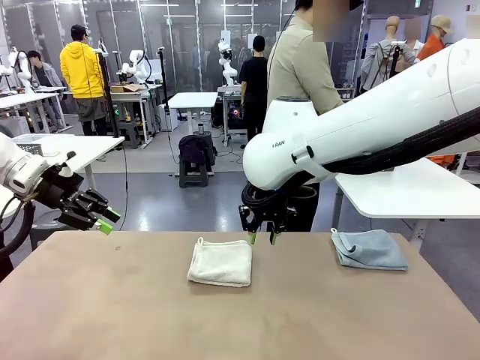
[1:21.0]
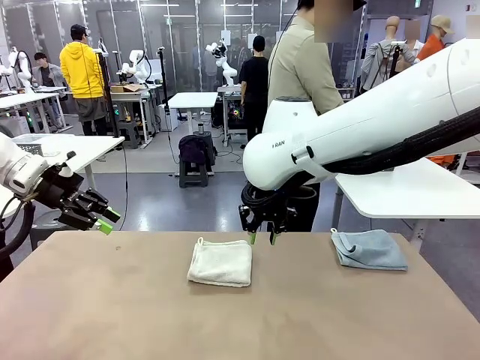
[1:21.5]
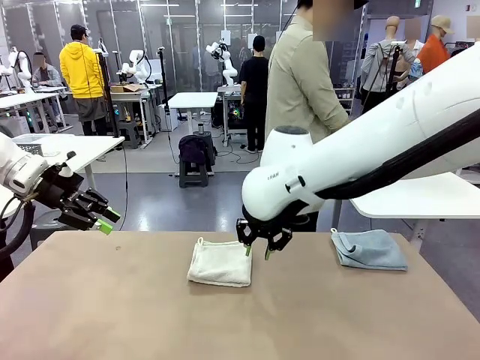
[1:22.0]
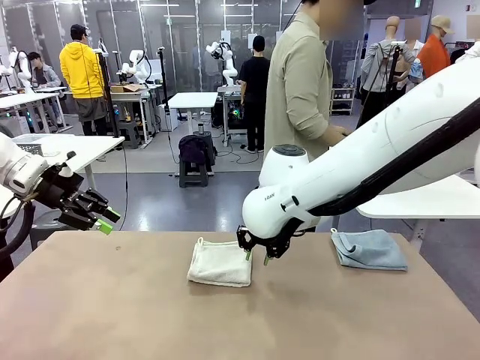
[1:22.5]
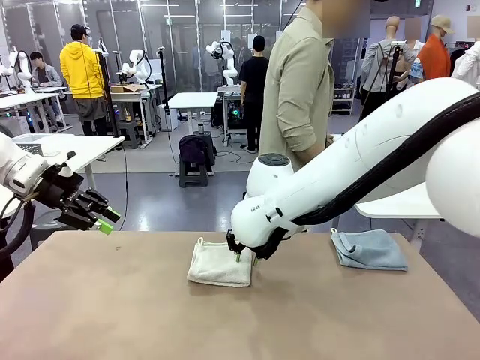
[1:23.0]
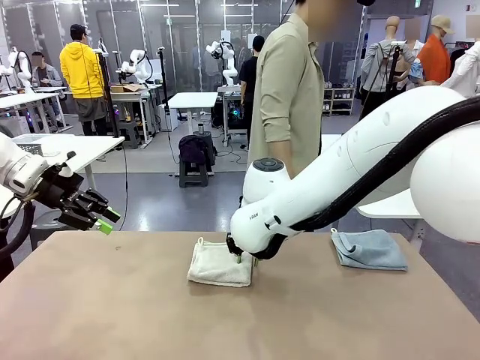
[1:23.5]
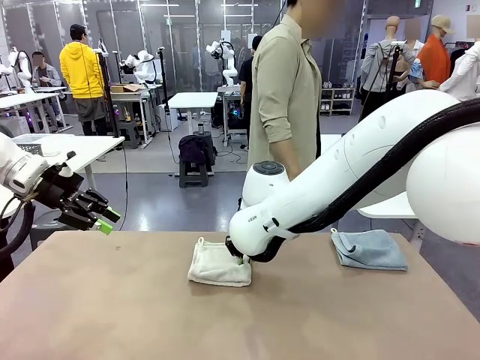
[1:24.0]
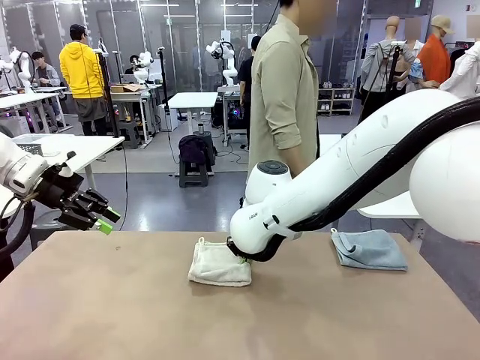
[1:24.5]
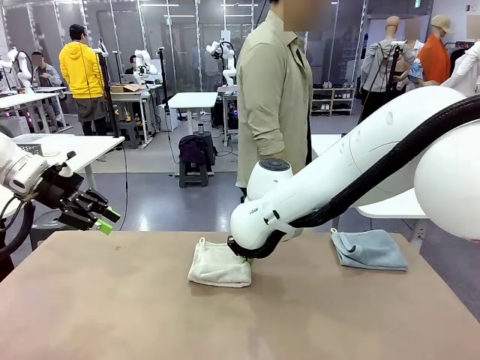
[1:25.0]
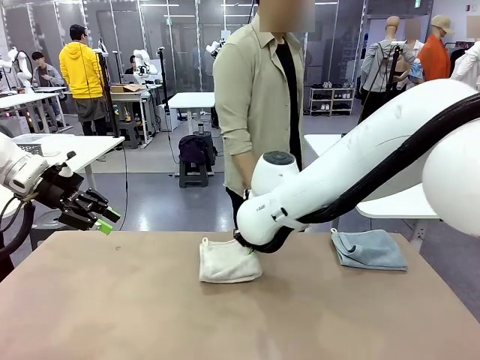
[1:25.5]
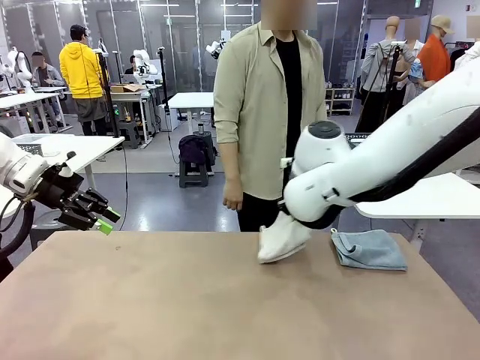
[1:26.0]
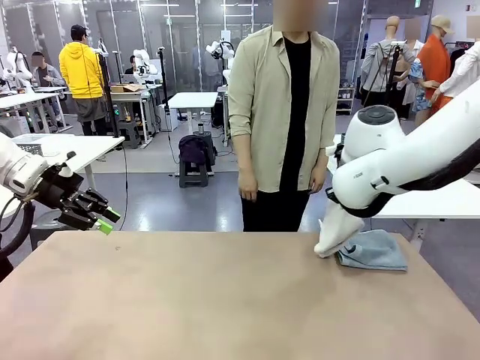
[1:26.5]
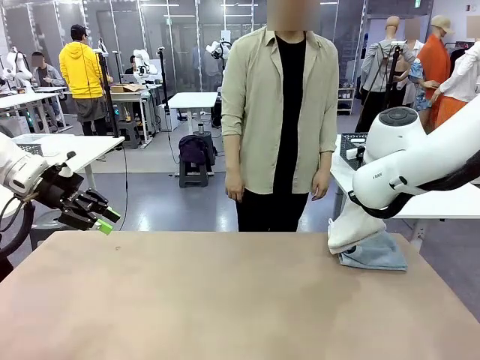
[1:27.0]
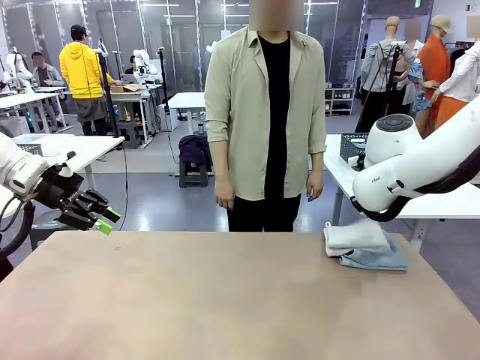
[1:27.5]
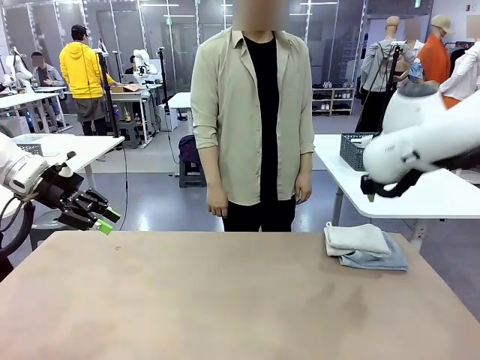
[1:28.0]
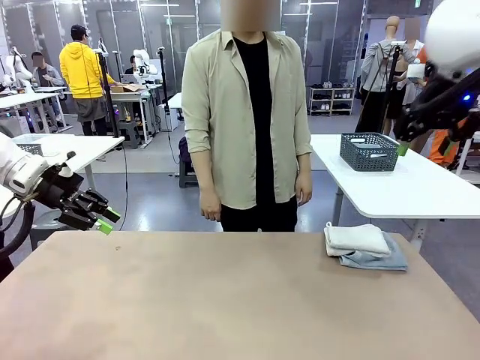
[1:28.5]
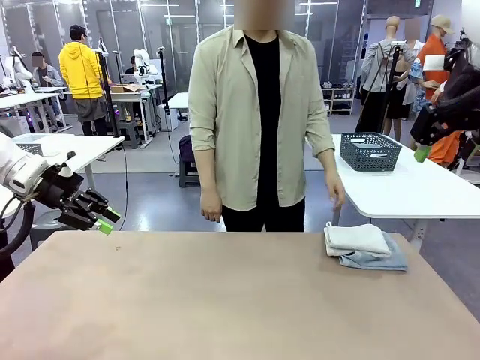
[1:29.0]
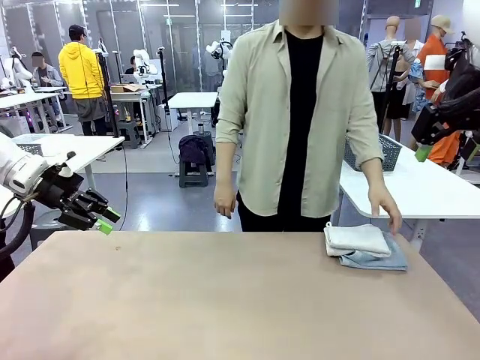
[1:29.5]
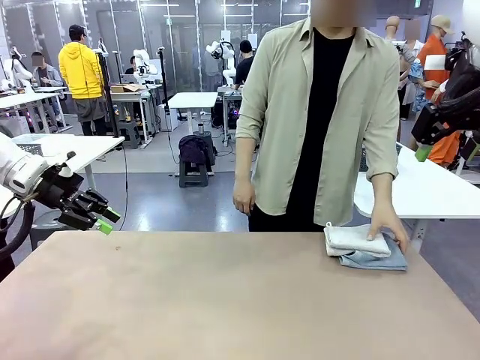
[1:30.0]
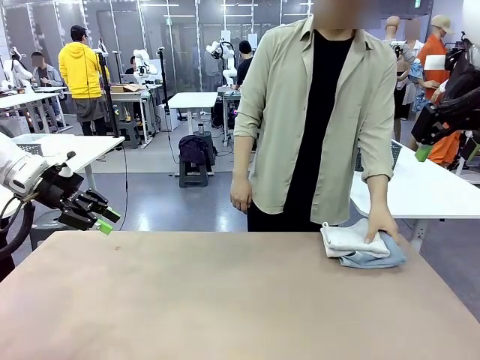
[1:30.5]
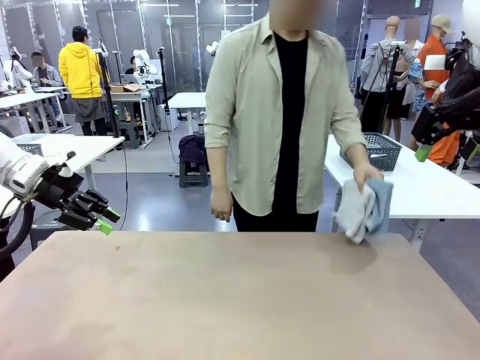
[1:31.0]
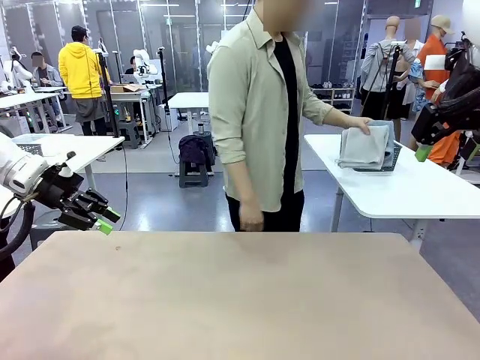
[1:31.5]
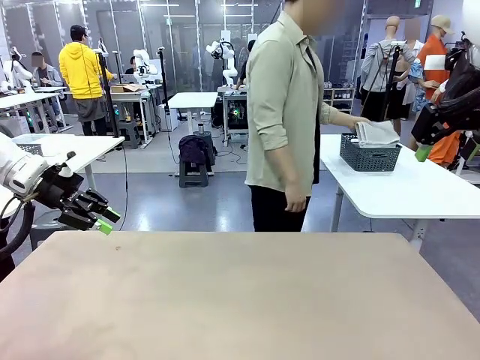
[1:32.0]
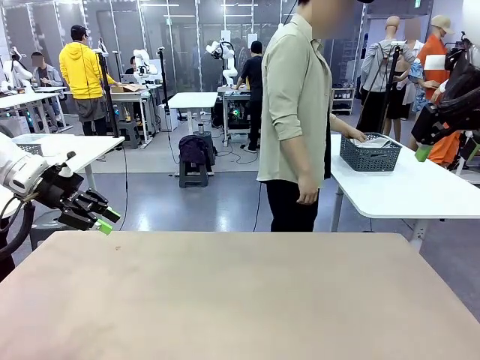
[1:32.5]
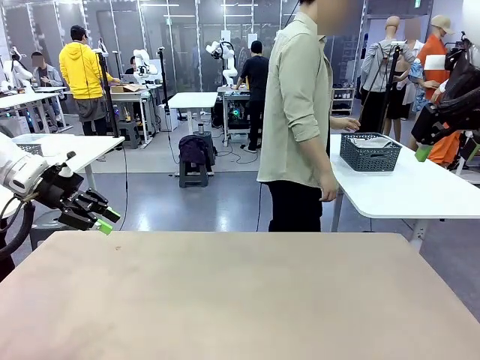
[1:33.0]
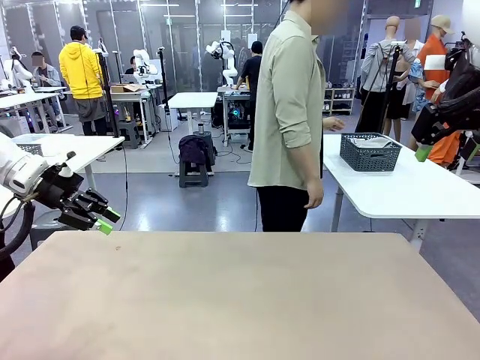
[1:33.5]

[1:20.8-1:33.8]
Task: Fold the towels and place them in the basket.
Robot: Stack the folded Towel with hook on the right side of the table.
Person: Pick up the stack of towels from the robot table and place it into the basket.

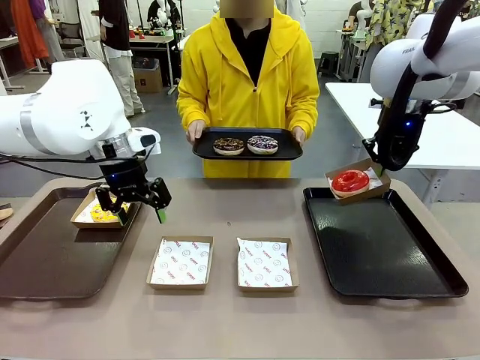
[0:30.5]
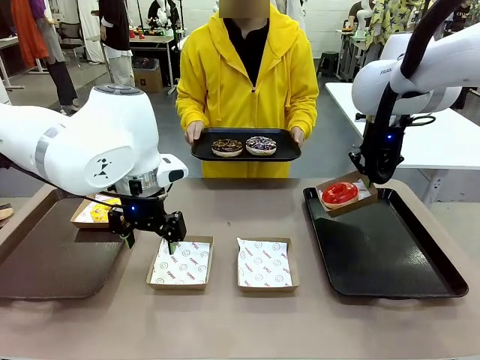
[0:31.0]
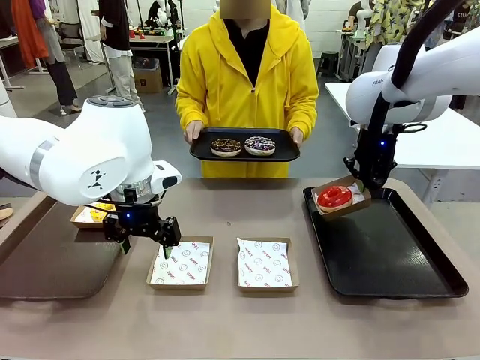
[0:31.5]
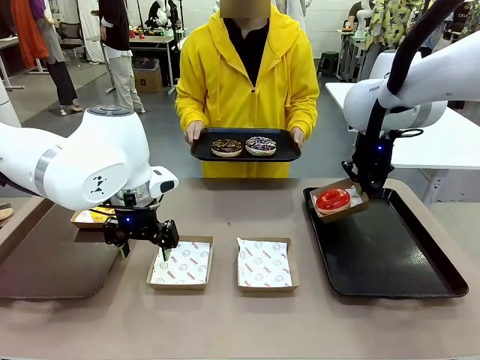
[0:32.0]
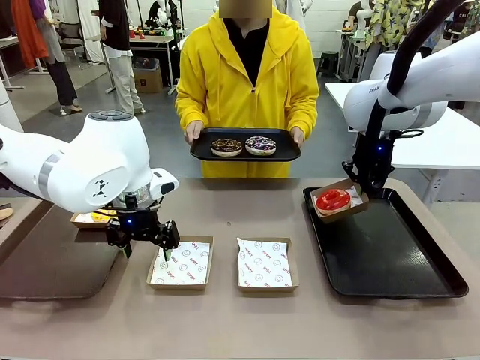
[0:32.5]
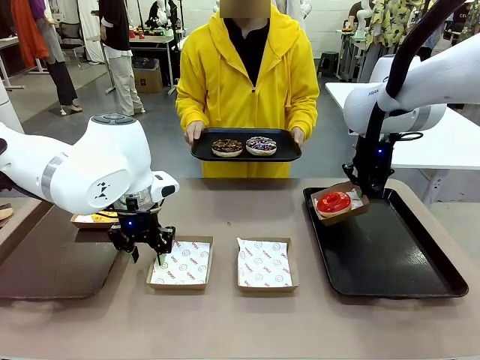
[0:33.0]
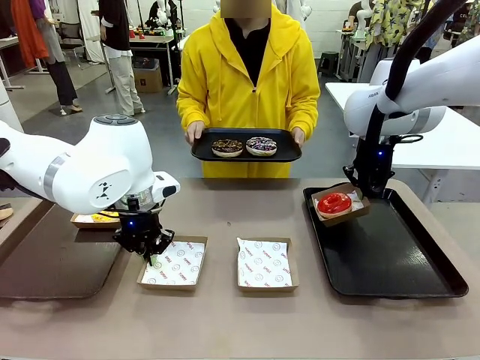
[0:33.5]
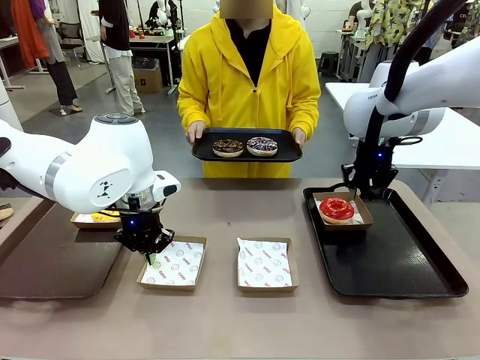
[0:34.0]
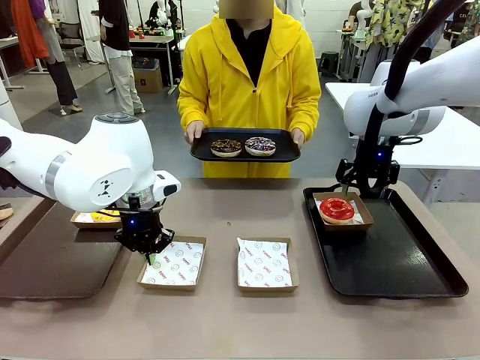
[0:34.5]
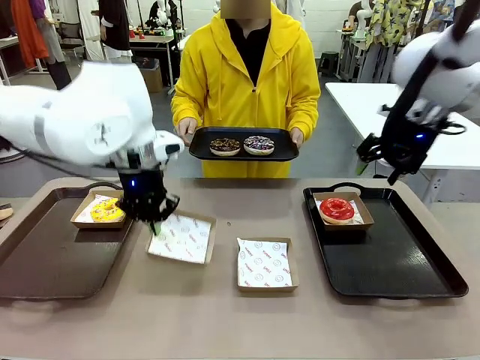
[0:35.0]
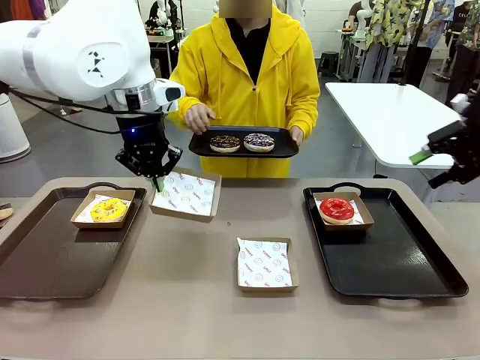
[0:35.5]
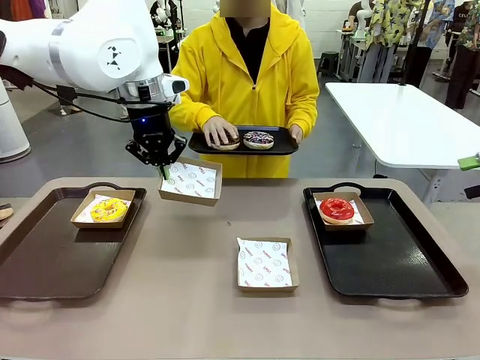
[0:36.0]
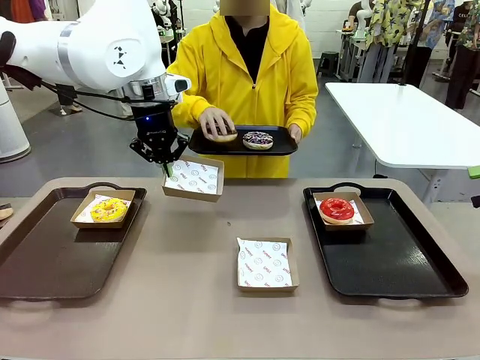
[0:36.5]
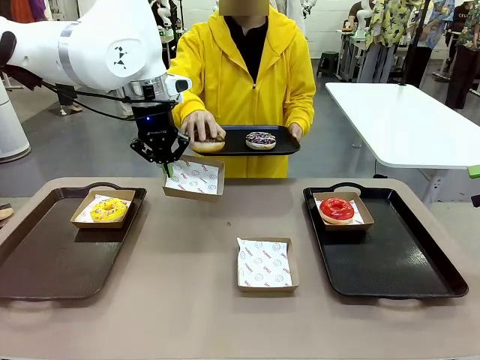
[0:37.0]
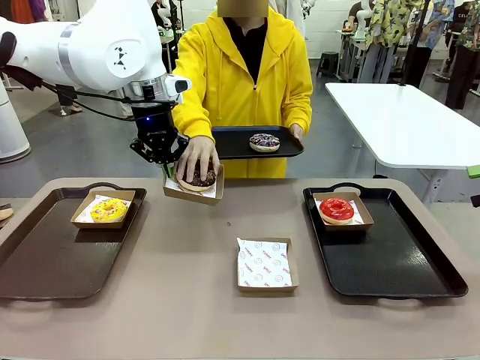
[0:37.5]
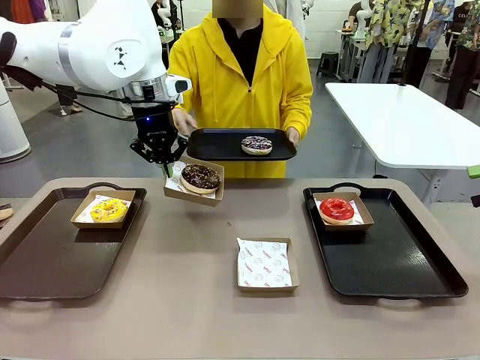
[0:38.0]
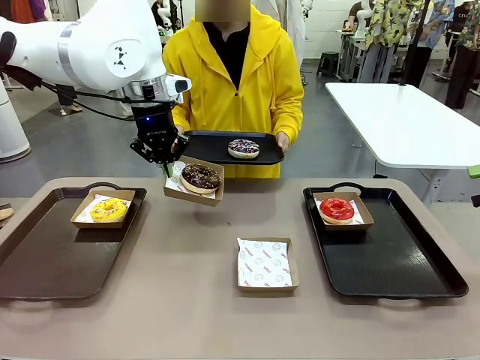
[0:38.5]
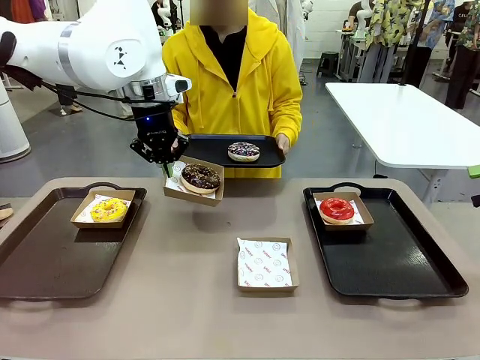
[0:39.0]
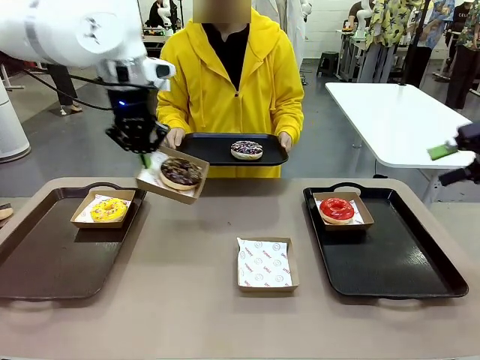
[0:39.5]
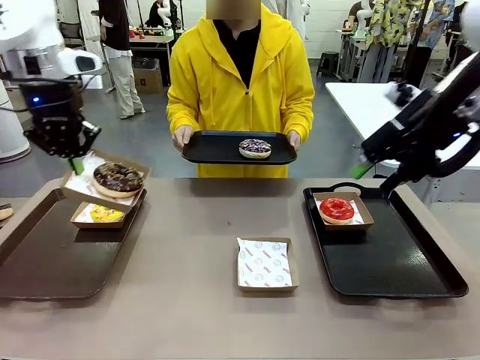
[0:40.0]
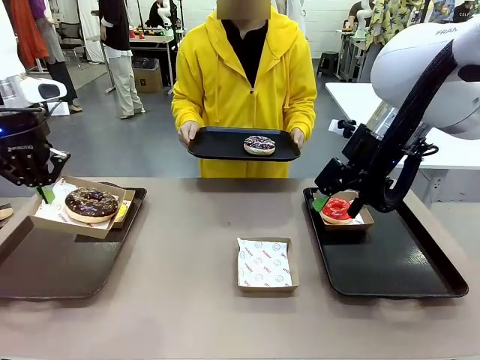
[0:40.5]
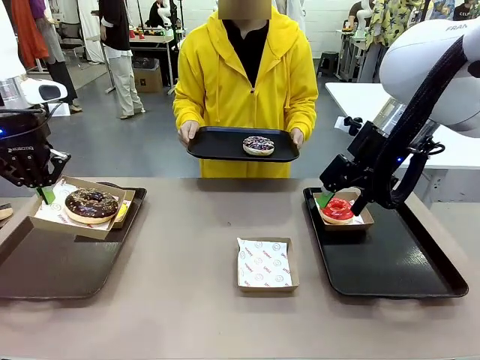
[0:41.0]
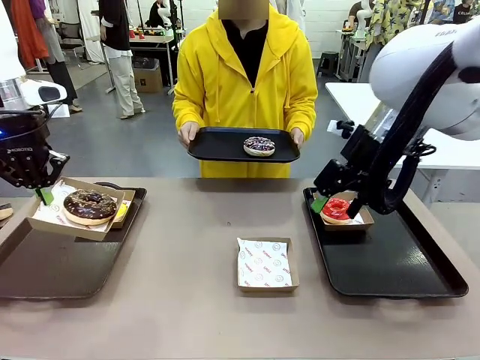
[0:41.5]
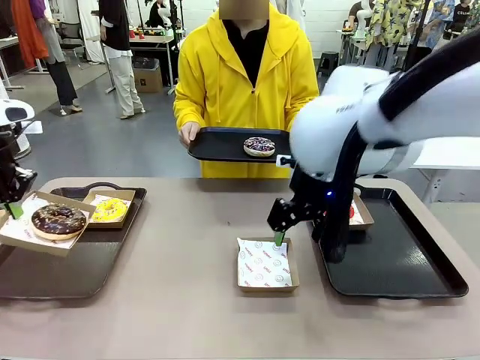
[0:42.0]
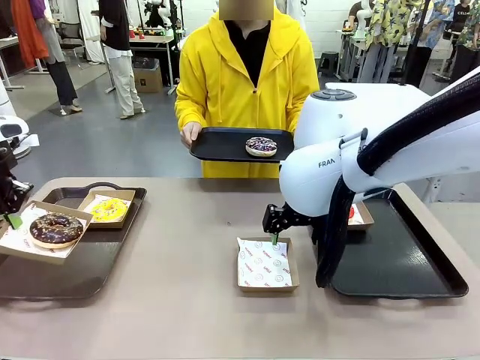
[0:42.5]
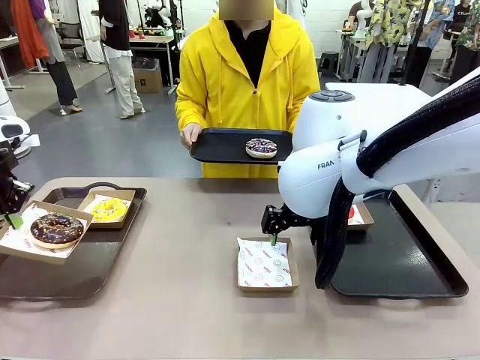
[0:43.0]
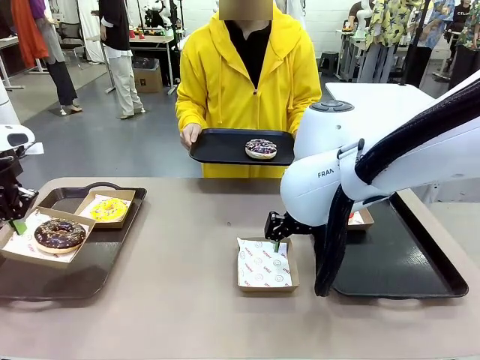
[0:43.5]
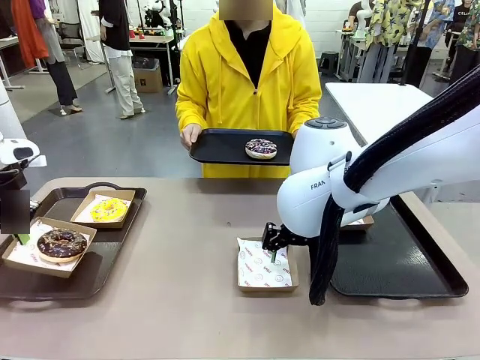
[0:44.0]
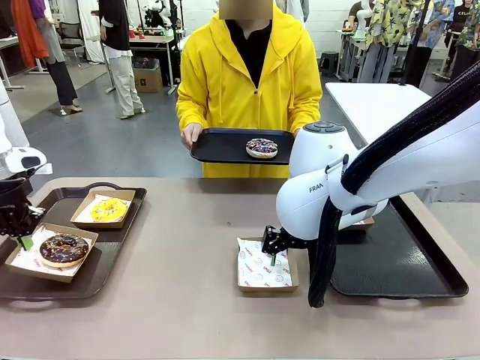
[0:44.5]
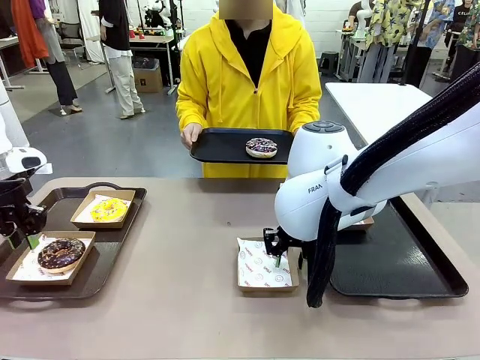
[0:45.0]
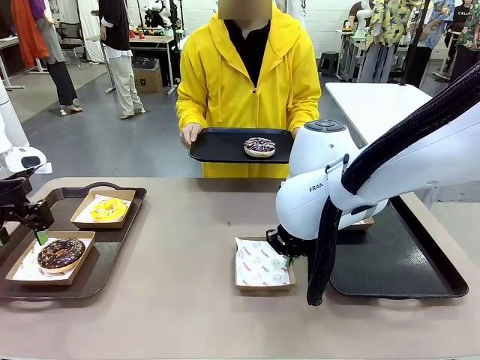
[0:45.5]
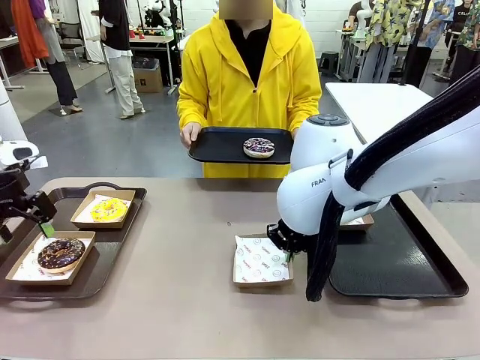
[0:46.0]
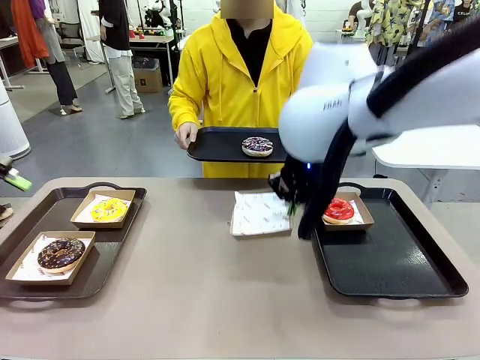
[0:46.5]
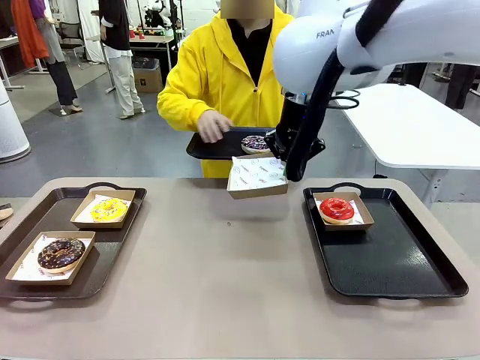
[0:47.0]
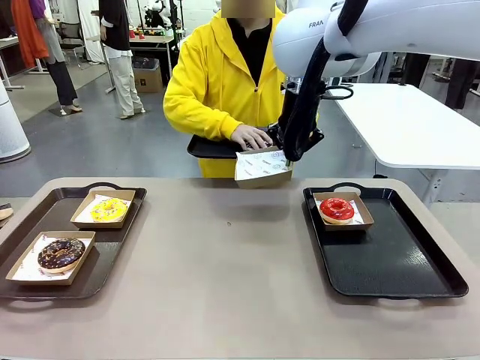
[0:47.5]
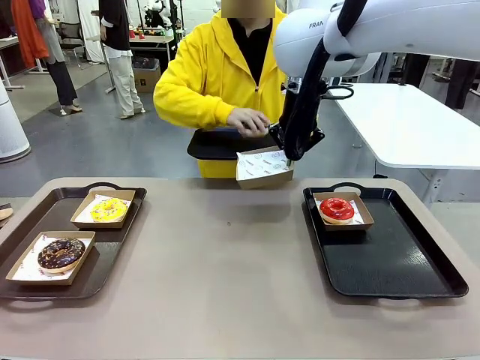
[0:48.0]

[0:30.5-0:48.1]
Task: Individually package the donuts and arrange them on the tray.
Robot: Place the picked Paper togo box on the Handle tray while simultaneously picking up another Paper togo box from the table with the other hand.
